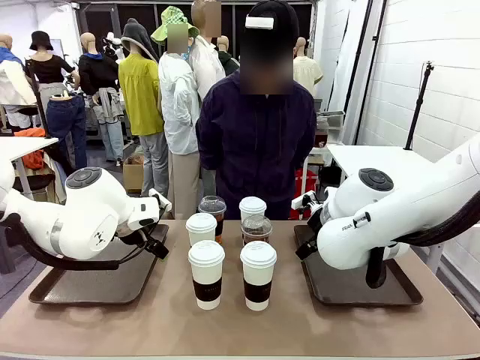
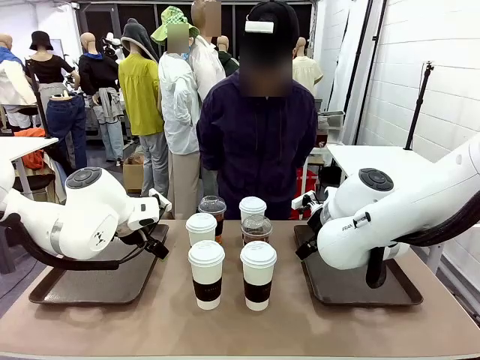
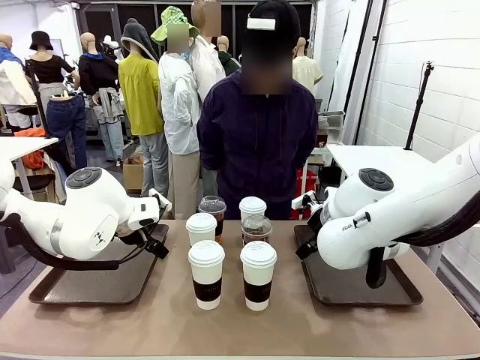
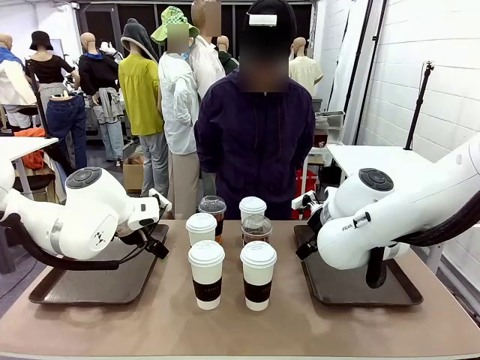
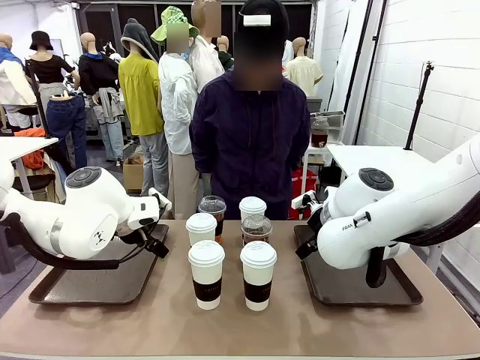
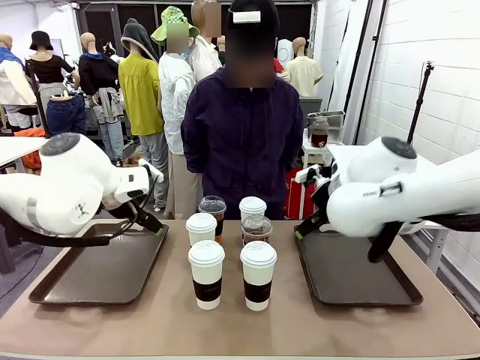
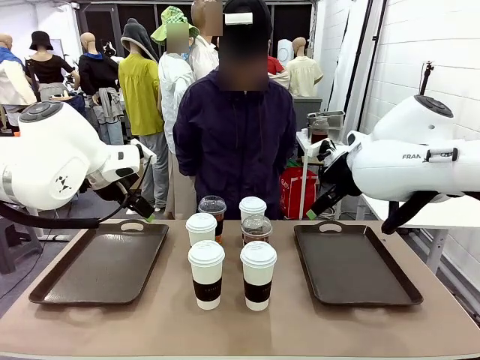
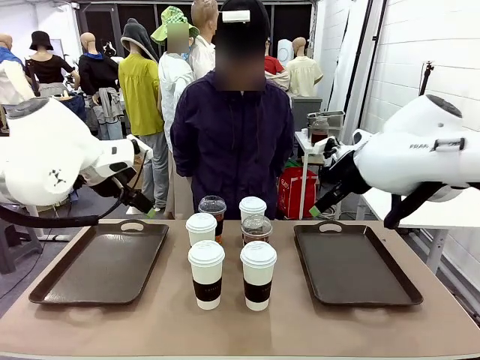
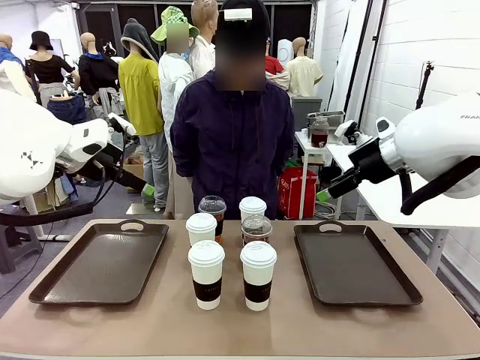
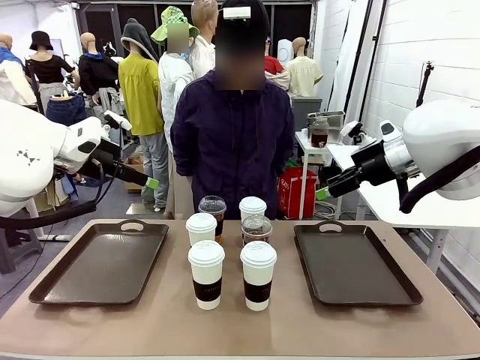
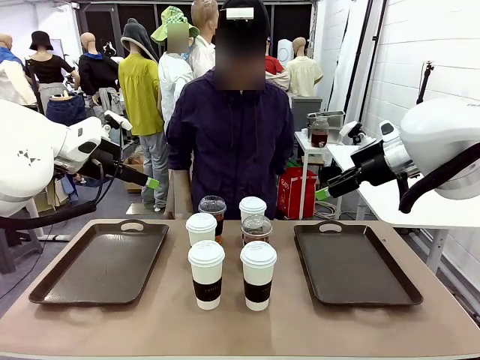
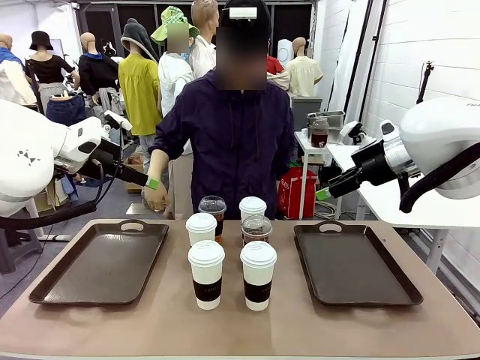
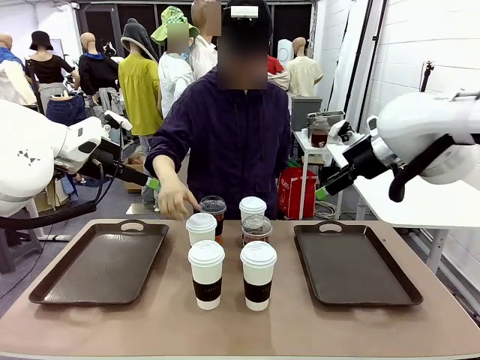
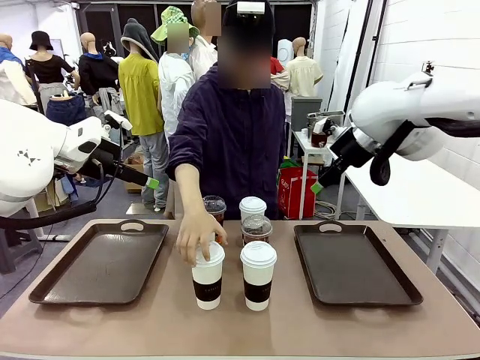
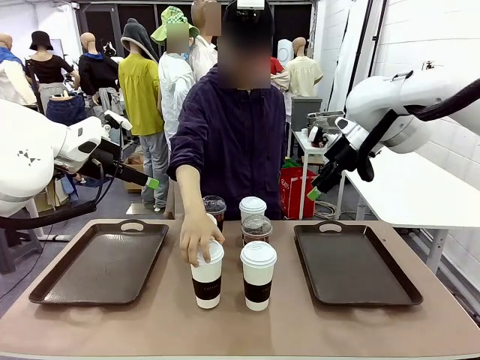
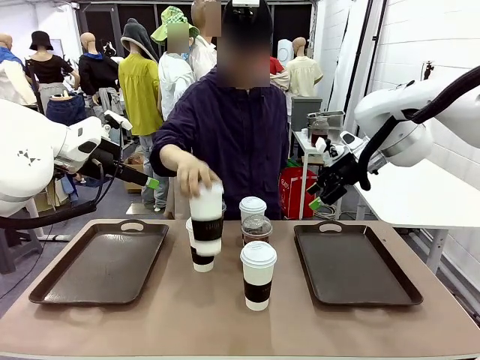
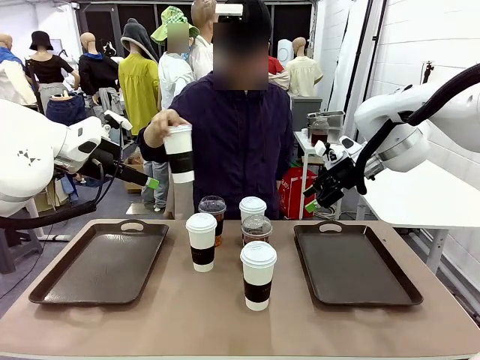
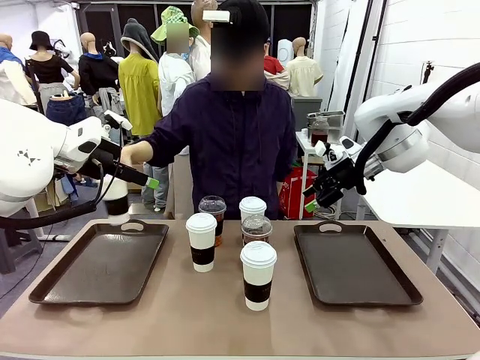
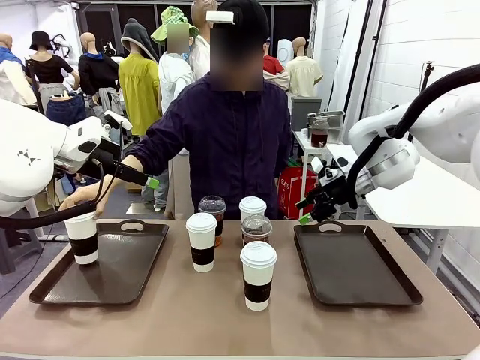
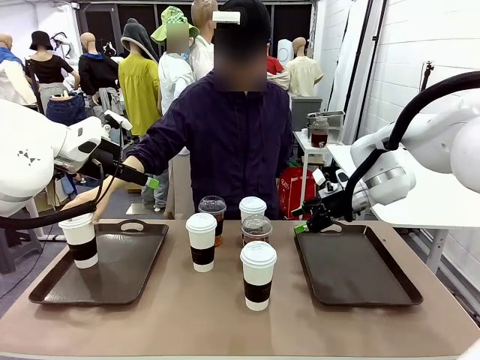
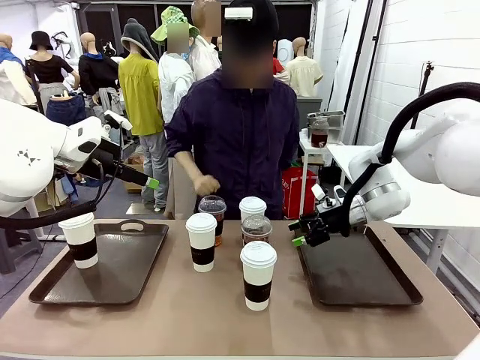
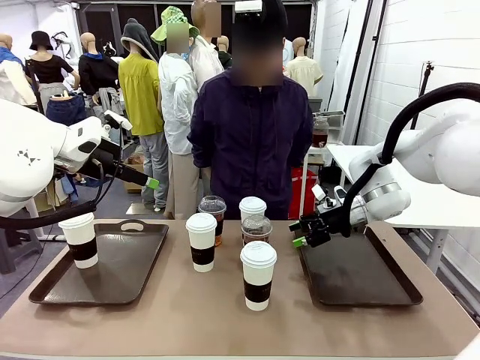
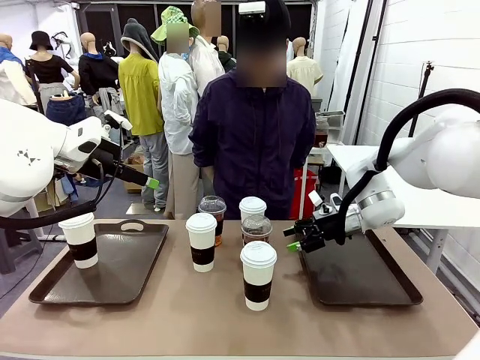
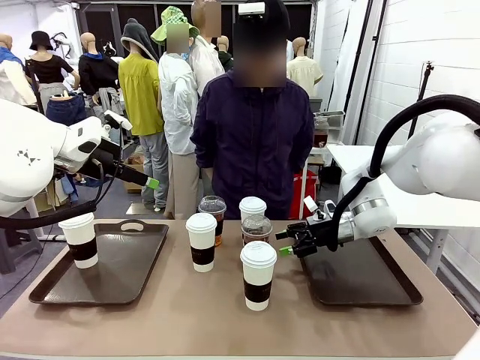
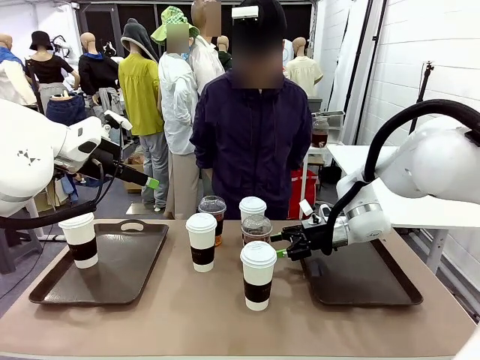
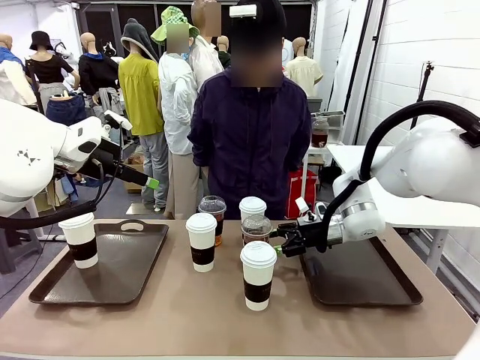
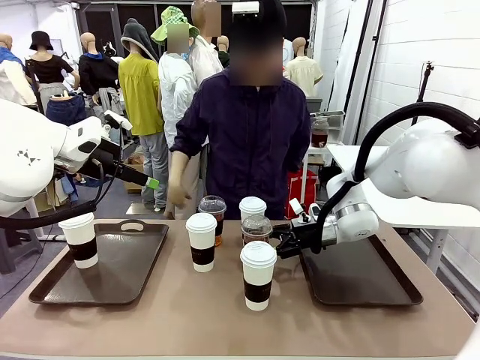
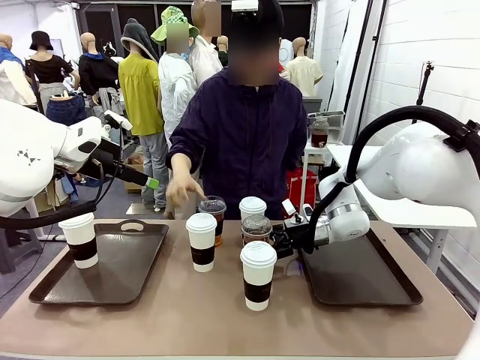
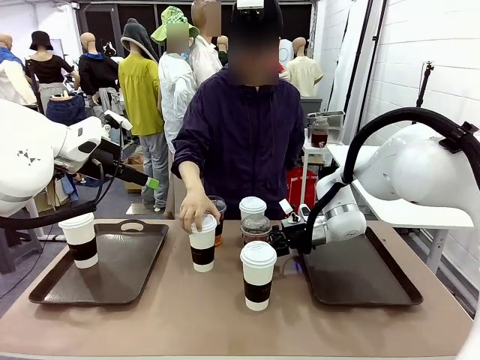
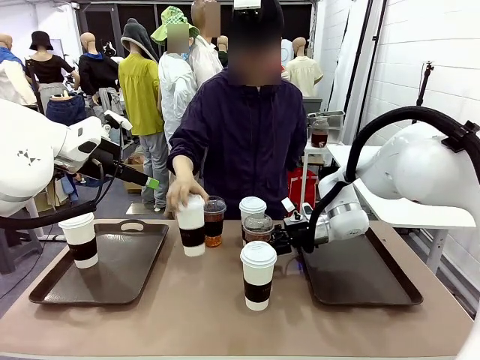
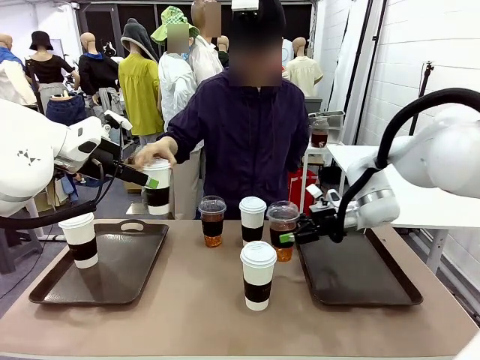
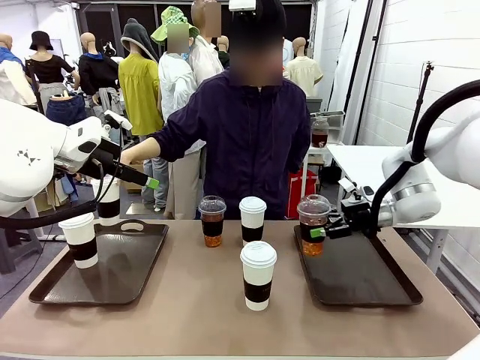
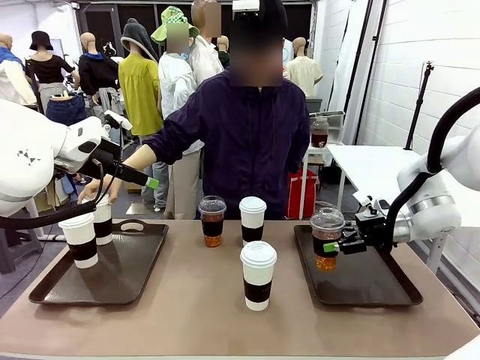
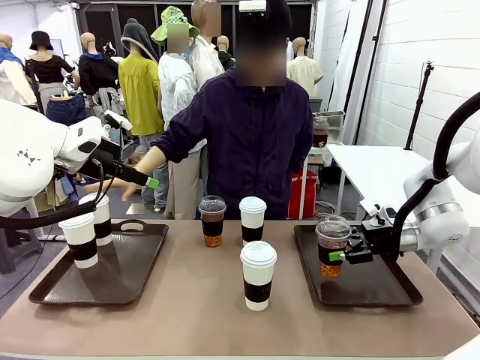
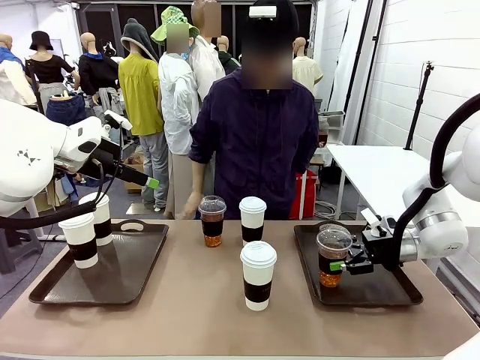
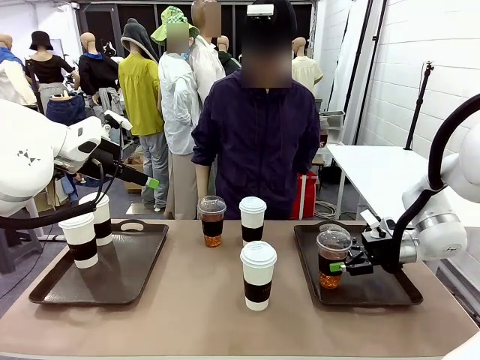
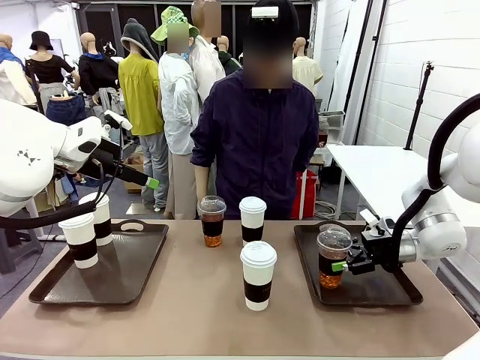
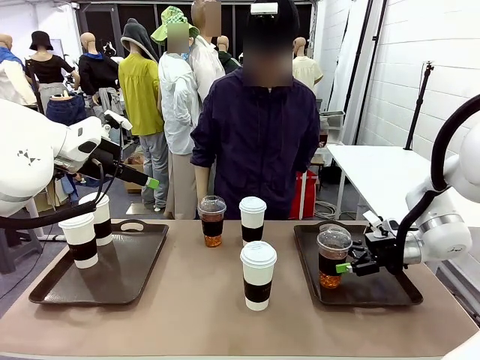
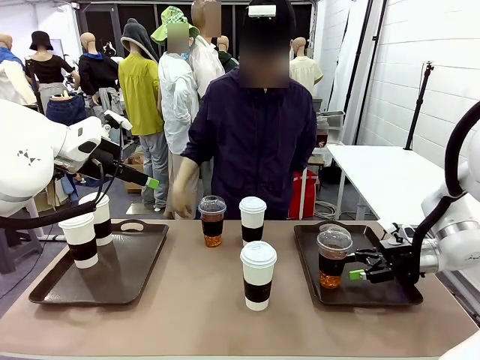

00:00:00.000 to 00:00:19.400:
Task: Distribute the coffee onto the tray.
Robot: Pick up one iced Americano and place it on the right Handle tray.
Person: Pick up a cup of hot Americano and place it on the right tray.
